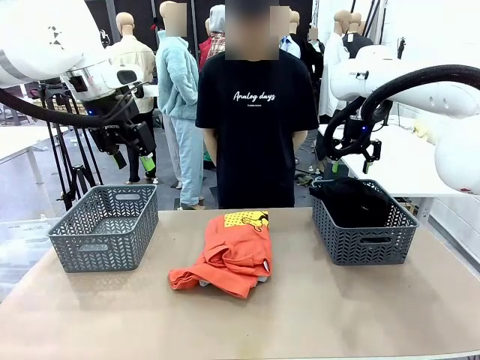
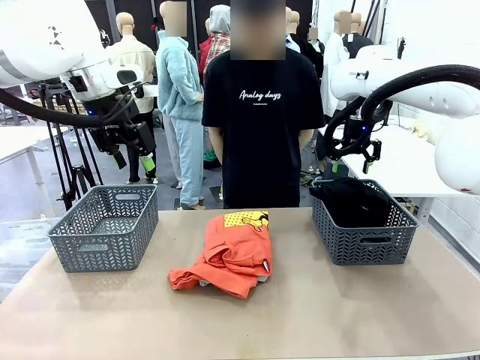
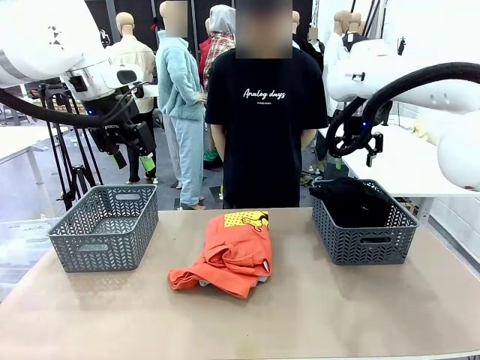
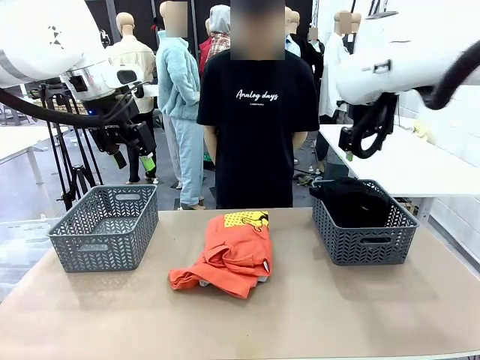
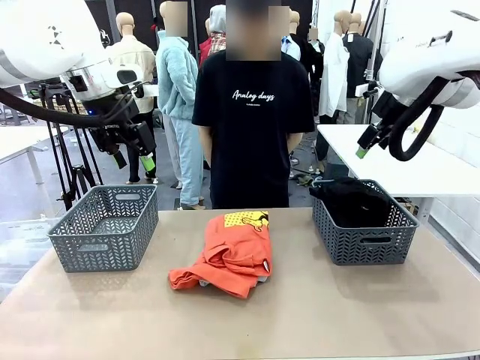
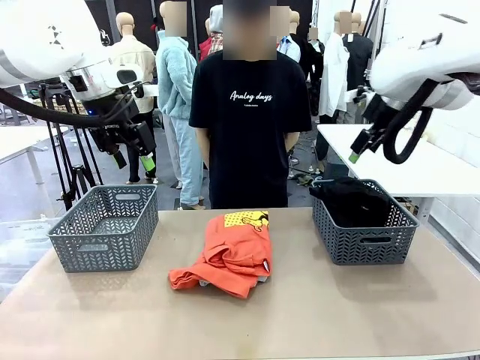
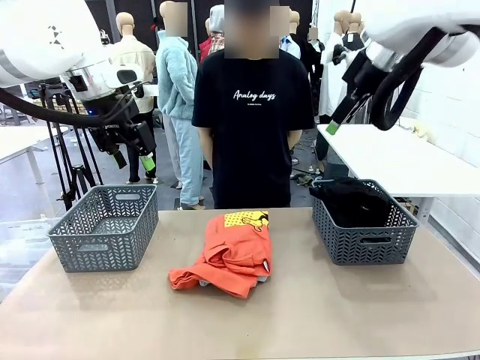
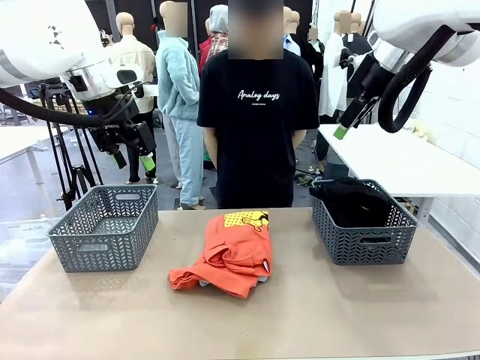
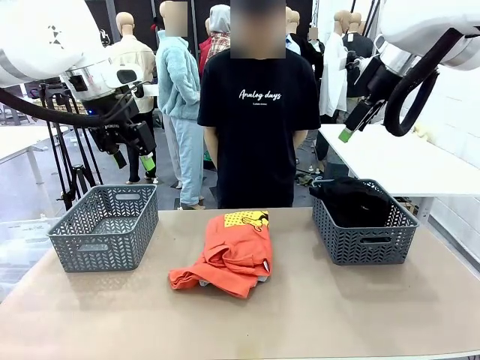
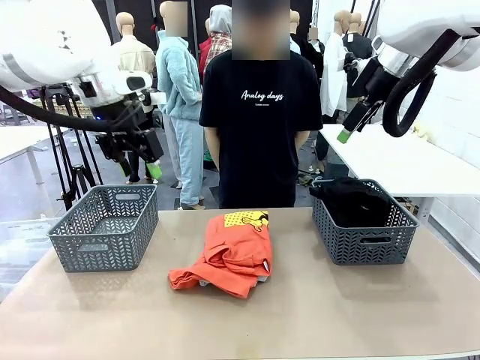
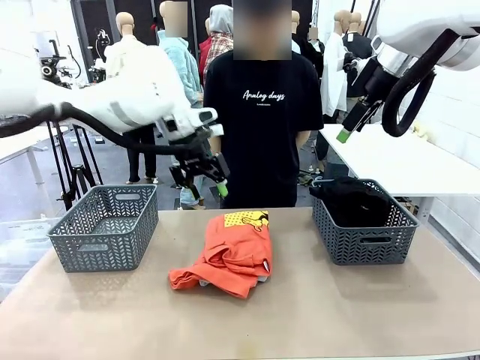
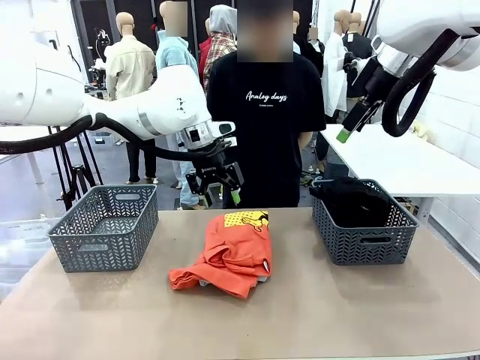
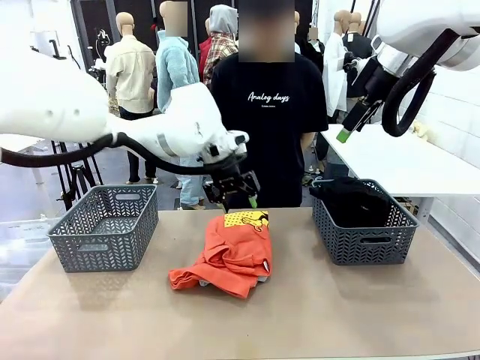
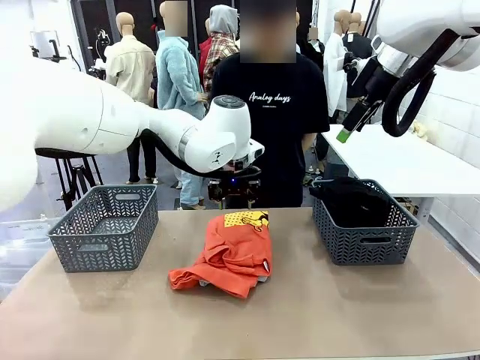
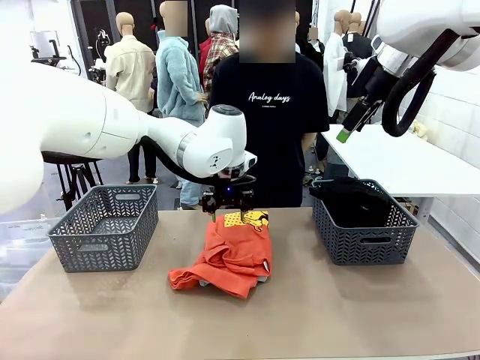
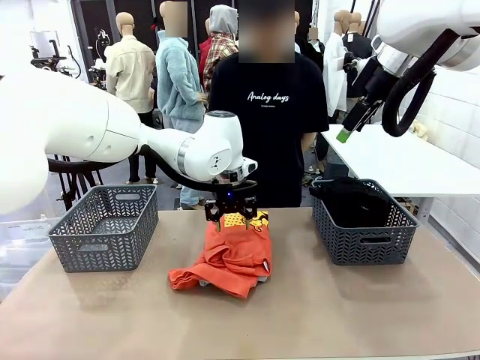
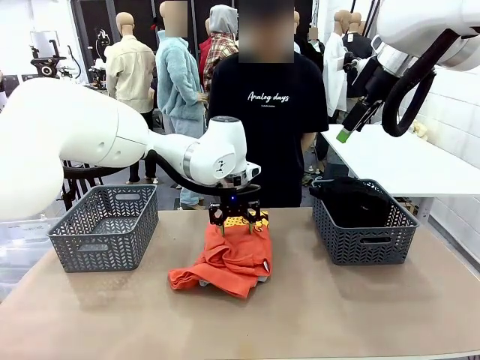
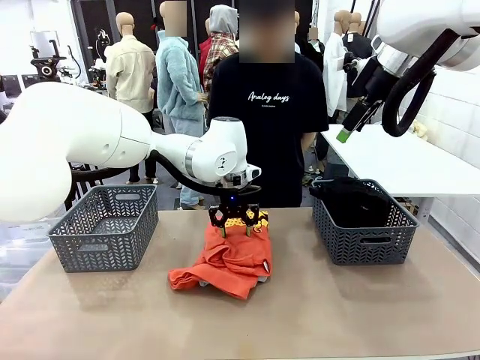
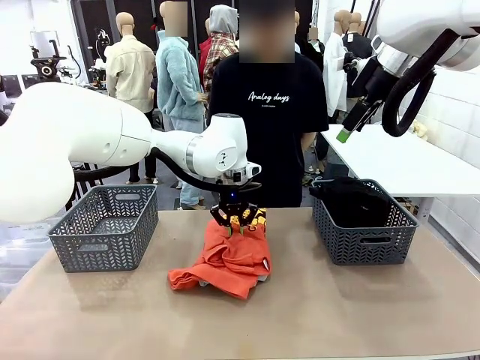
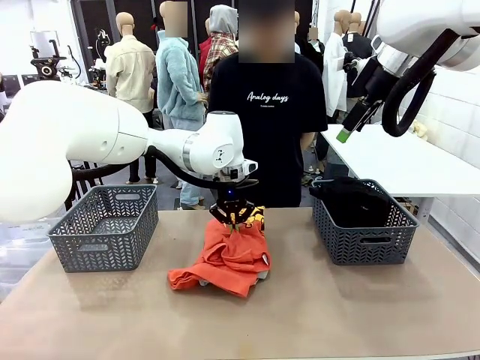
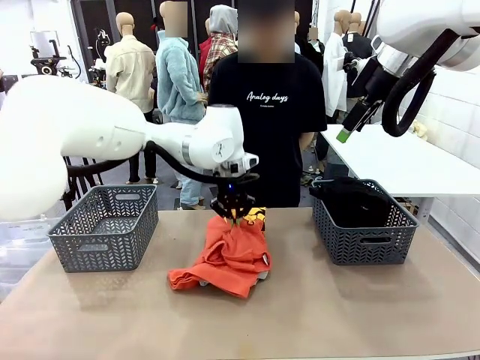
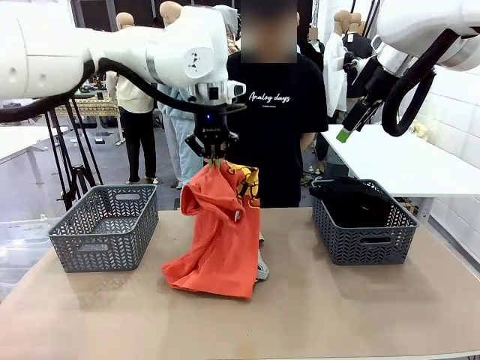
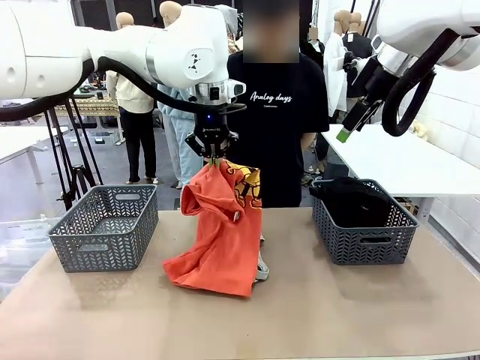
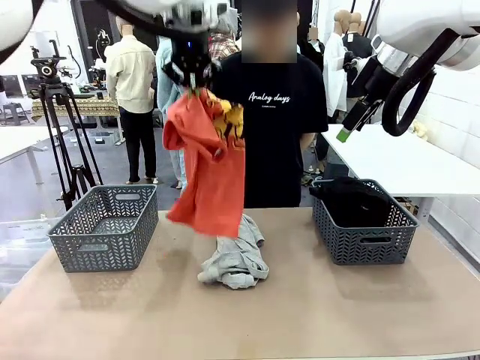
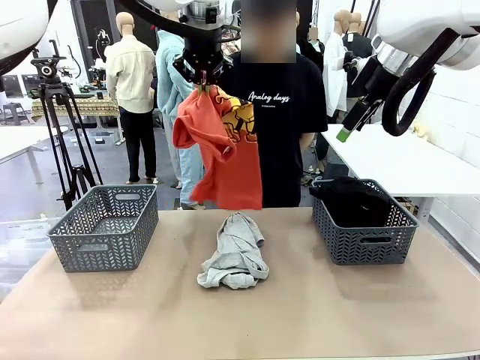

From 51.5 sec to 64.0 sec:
Task: Sort the tops and bottoms.
Robot: Lift clothes from the center of the table with your left hand.

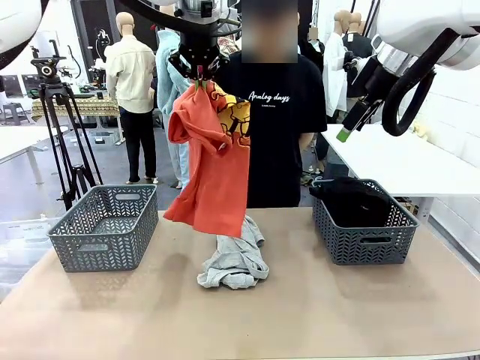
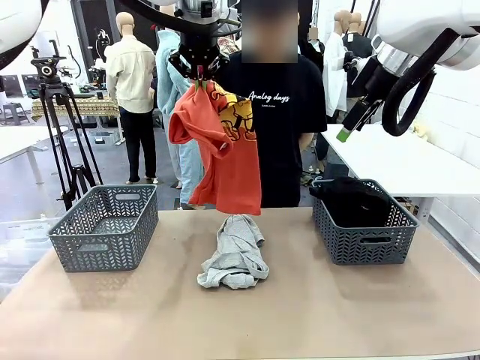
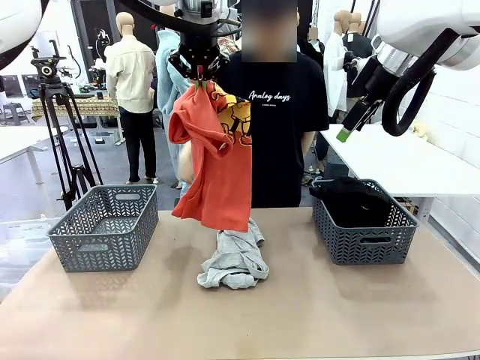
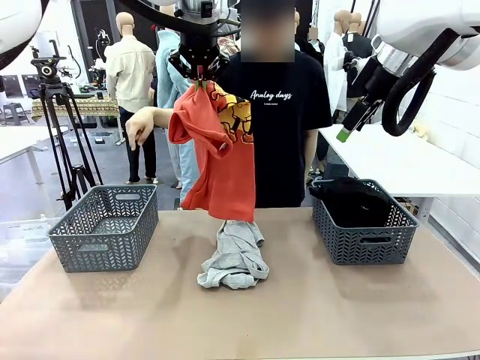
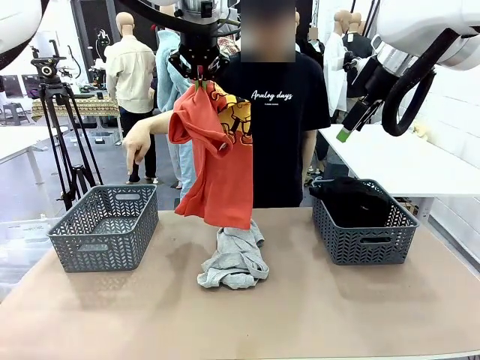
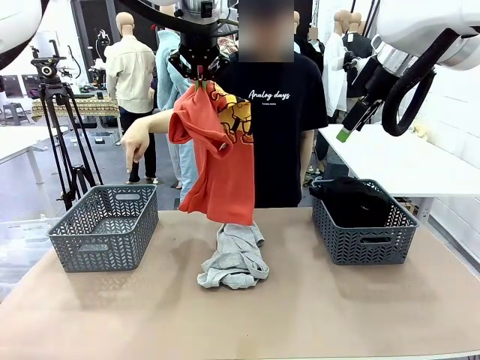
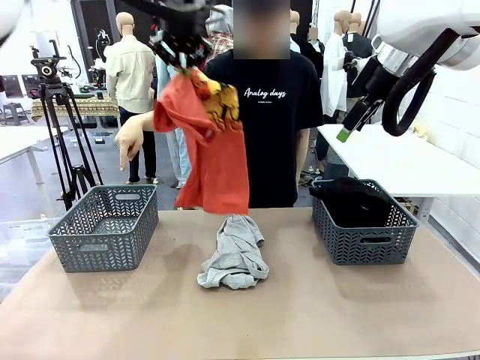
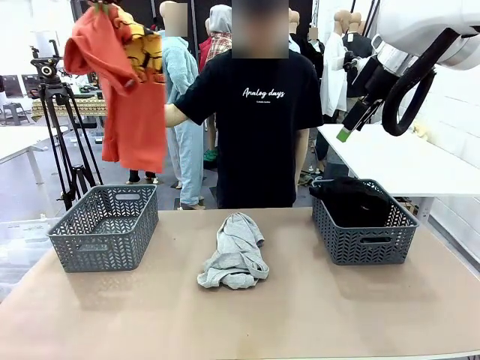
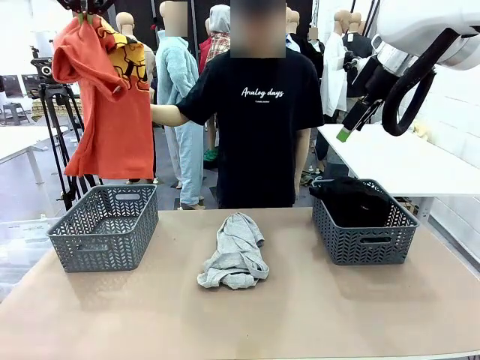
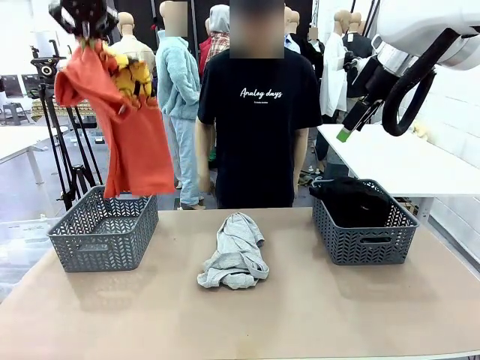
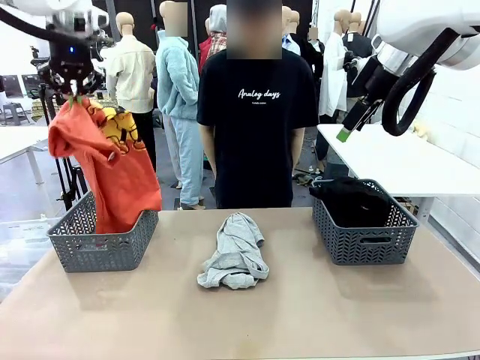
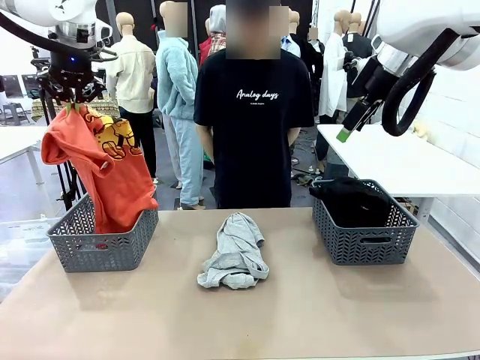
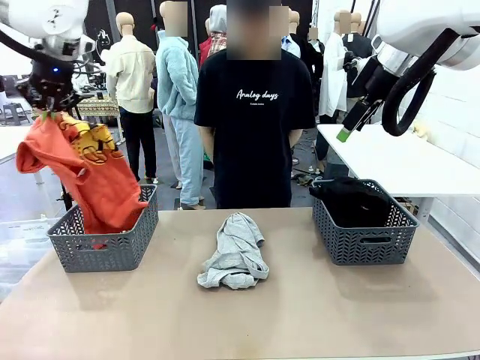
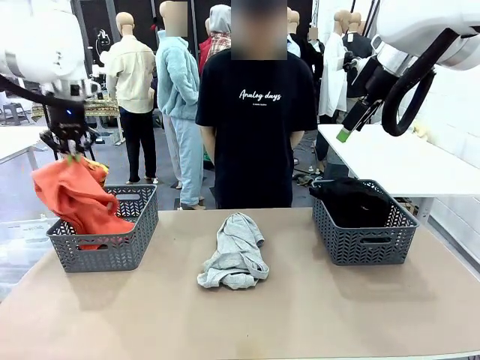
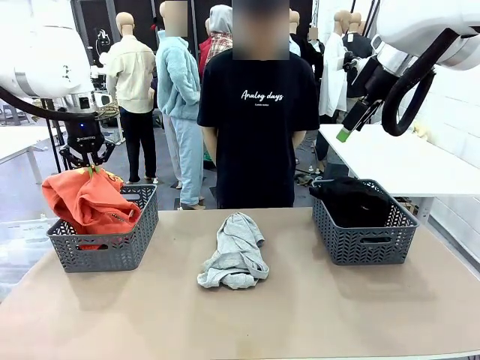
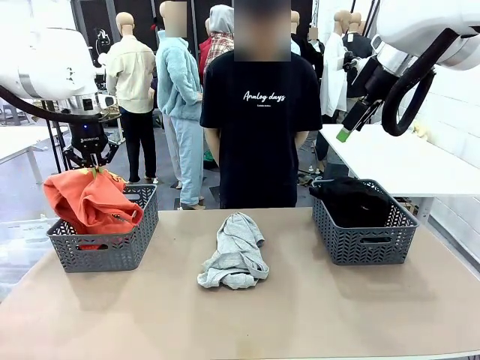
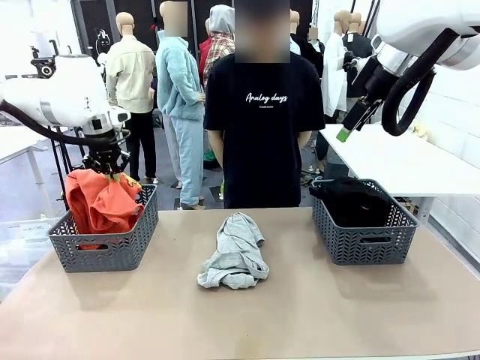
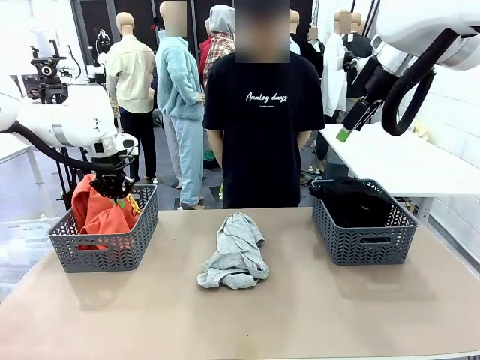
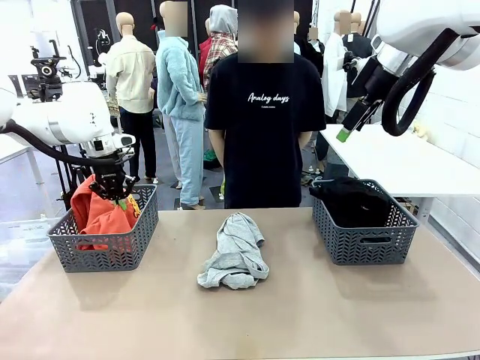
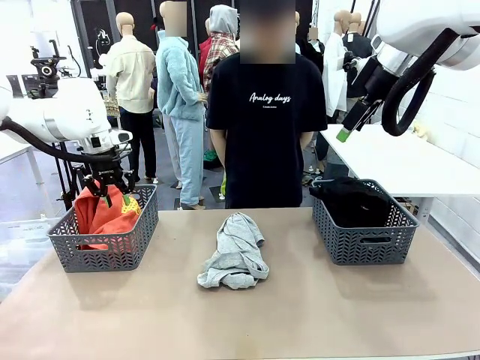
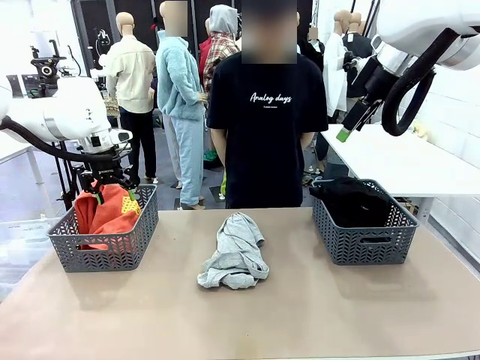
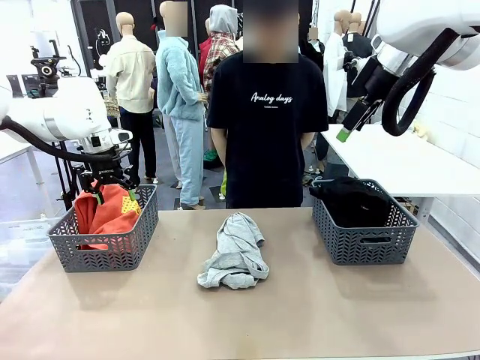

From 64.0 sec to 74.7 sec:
Robot: Sort the clothes according to human instructions.

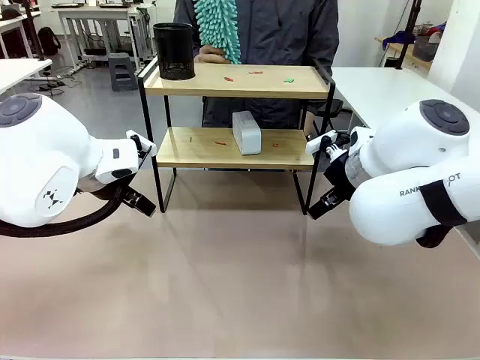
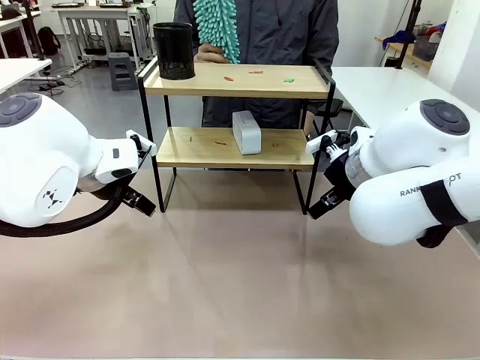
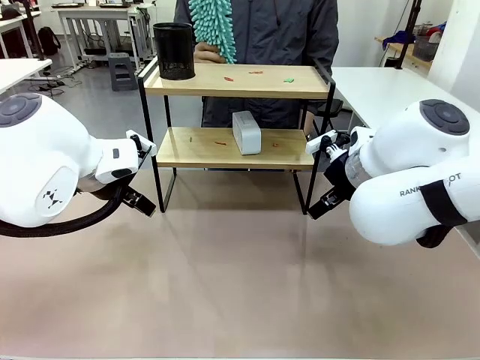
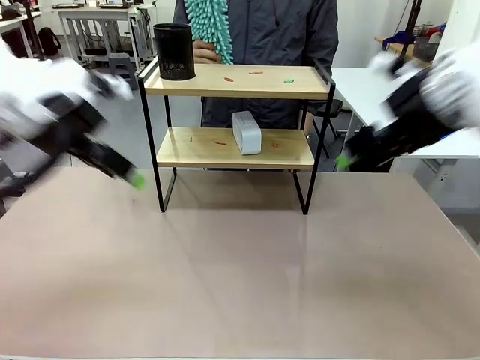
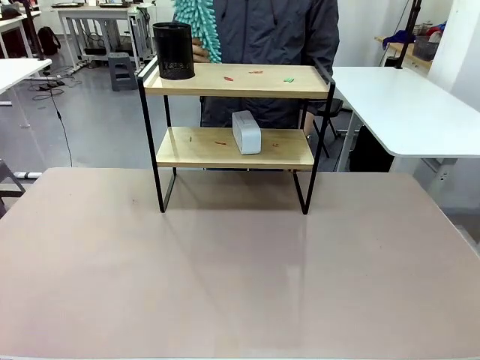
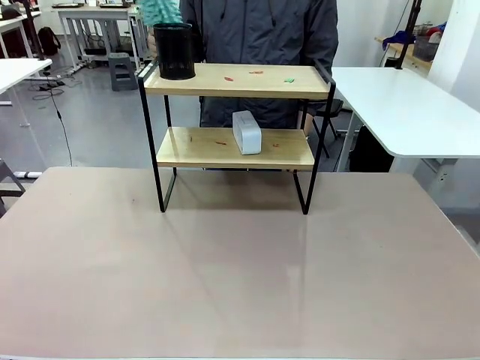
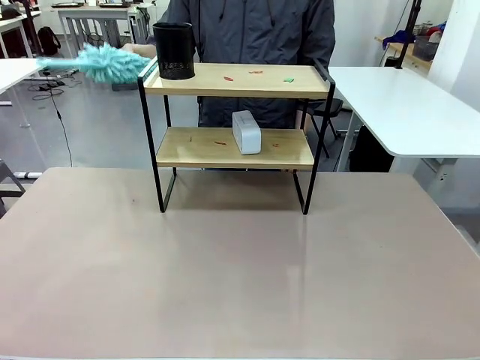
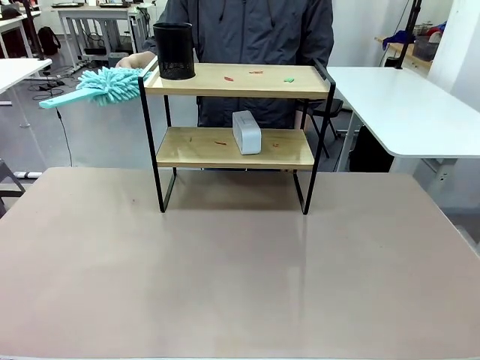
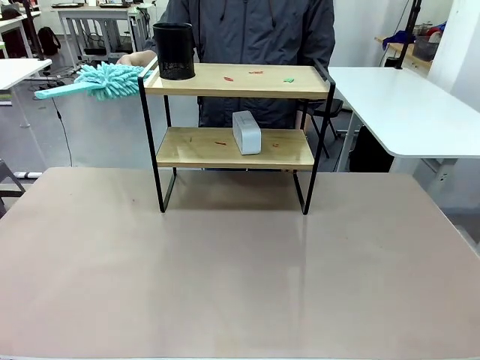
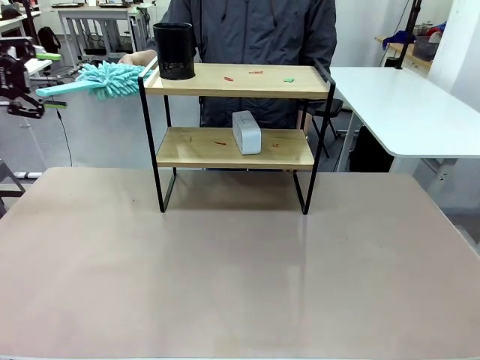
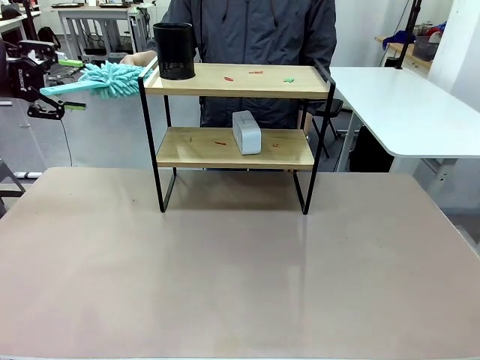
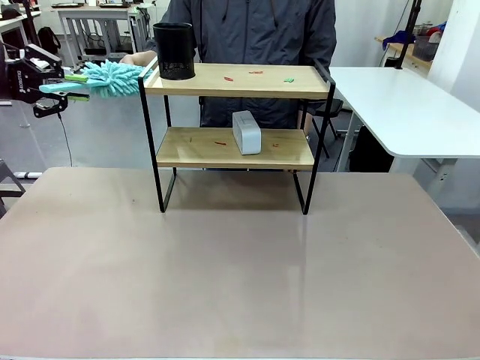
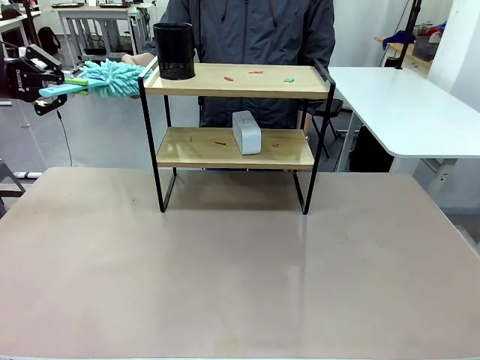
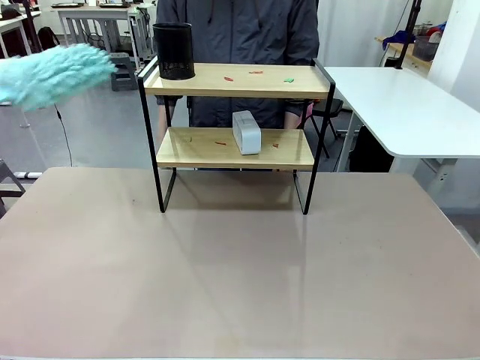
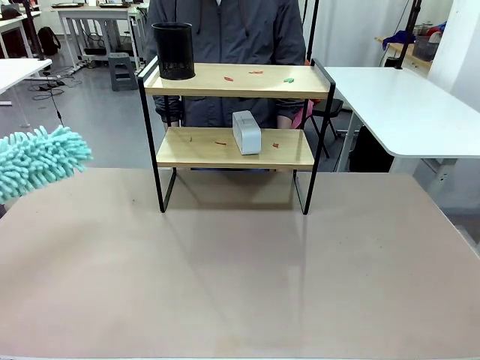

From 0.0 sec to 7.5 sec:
Task: Clean the shelf.
Robot: Pick up the Duster from the human.
Person: Hand the Duster to the robot.
